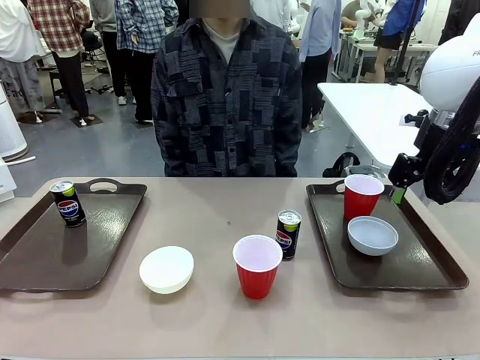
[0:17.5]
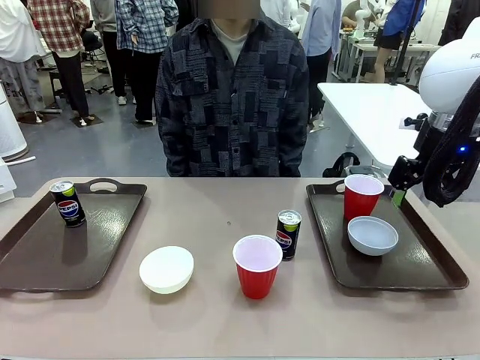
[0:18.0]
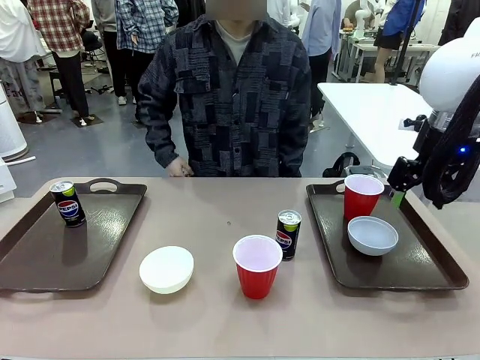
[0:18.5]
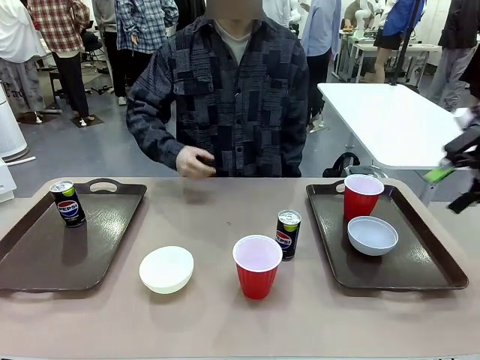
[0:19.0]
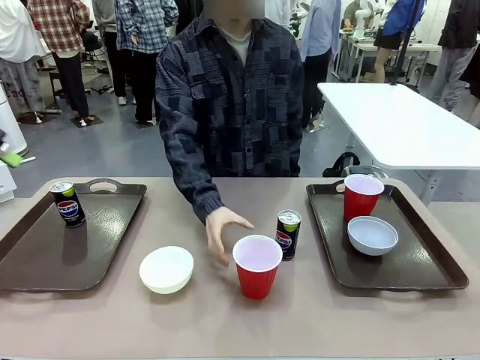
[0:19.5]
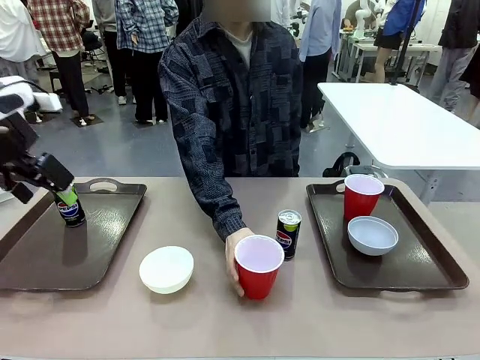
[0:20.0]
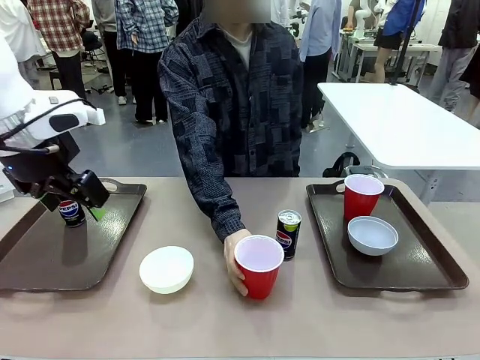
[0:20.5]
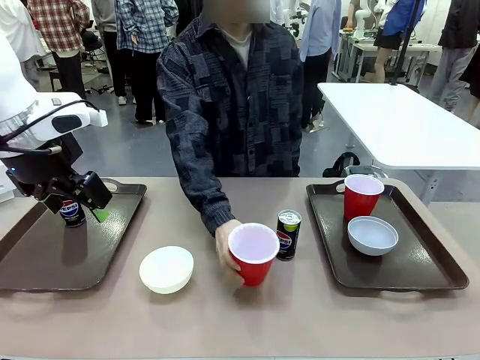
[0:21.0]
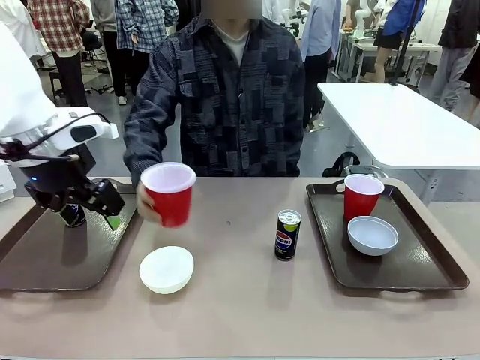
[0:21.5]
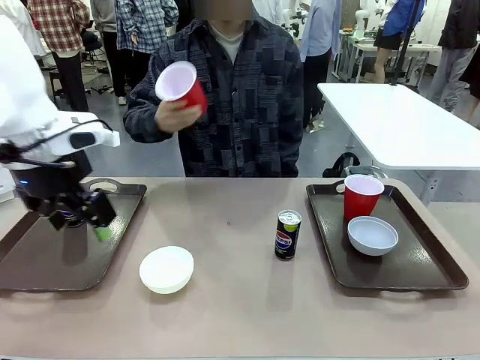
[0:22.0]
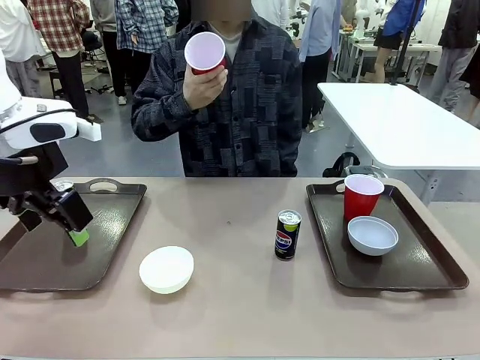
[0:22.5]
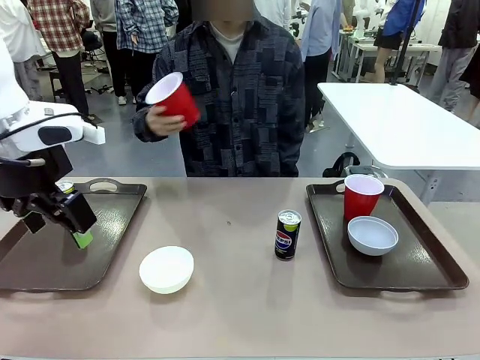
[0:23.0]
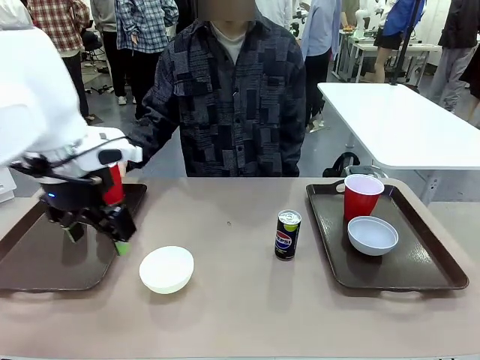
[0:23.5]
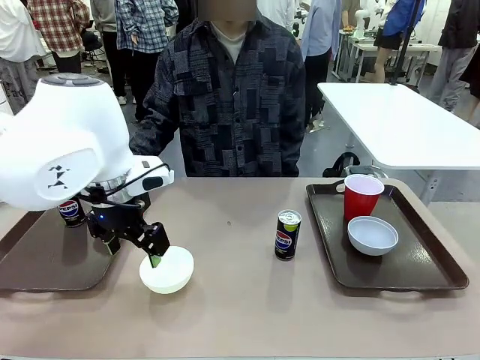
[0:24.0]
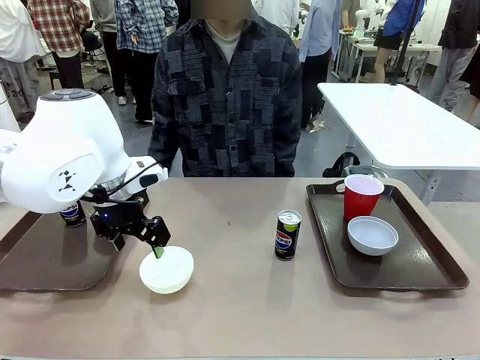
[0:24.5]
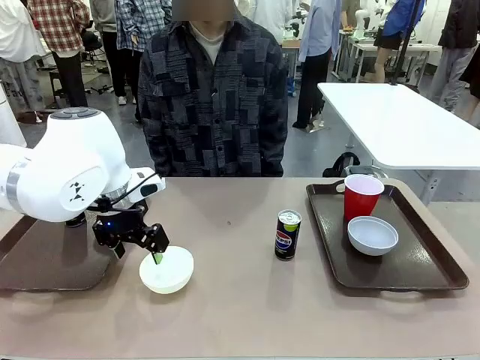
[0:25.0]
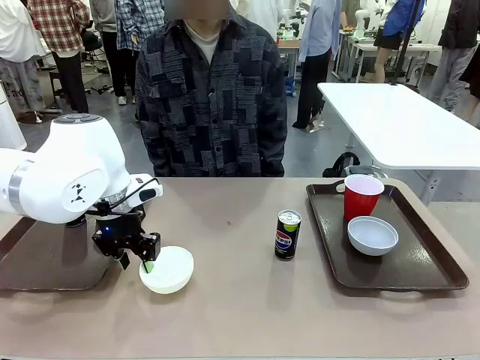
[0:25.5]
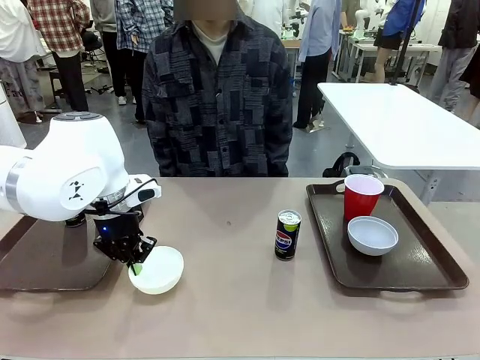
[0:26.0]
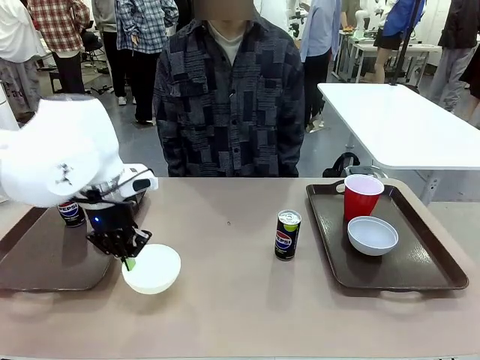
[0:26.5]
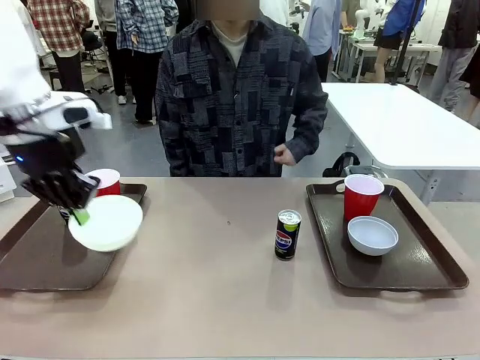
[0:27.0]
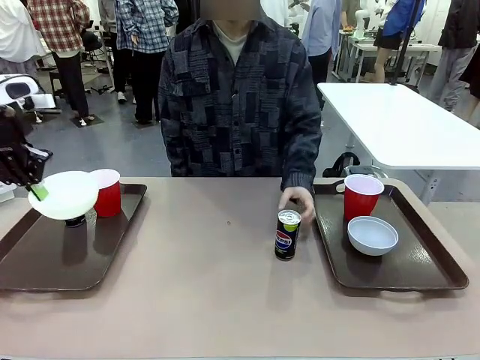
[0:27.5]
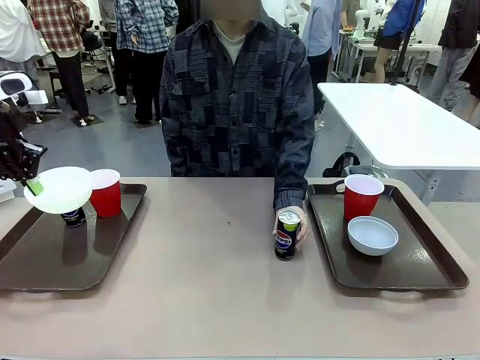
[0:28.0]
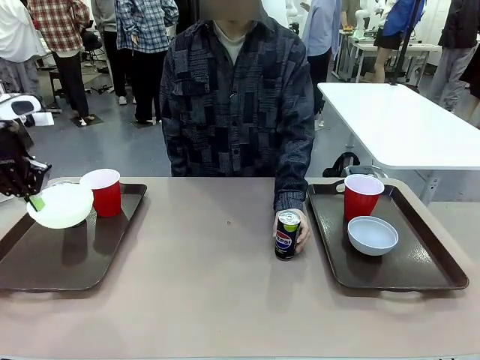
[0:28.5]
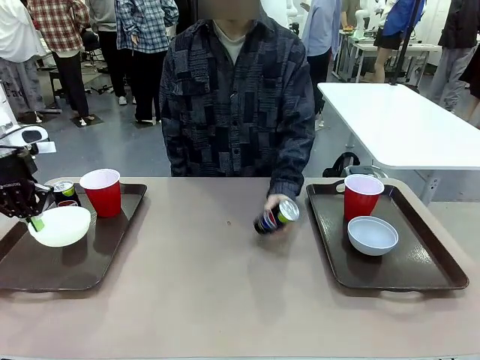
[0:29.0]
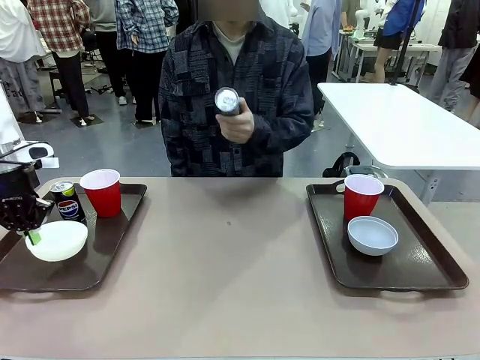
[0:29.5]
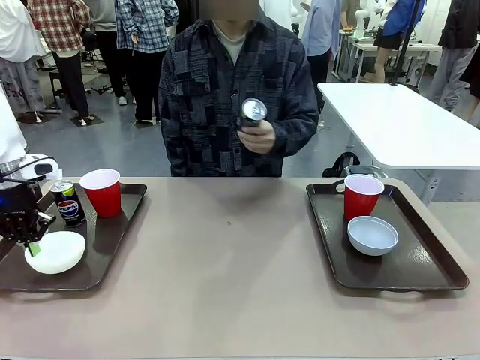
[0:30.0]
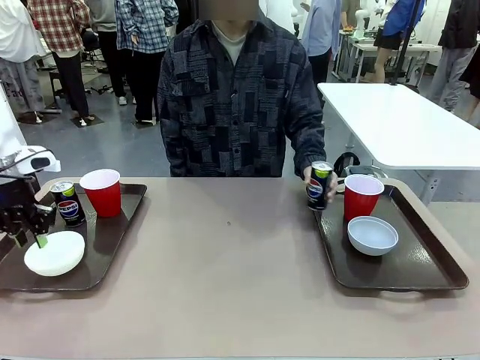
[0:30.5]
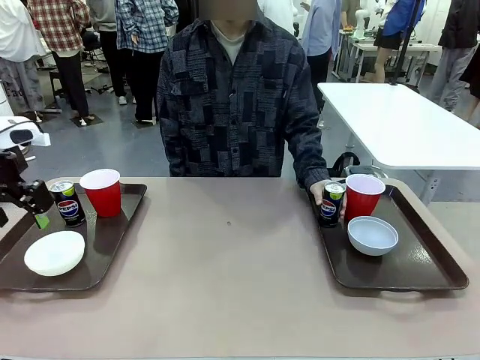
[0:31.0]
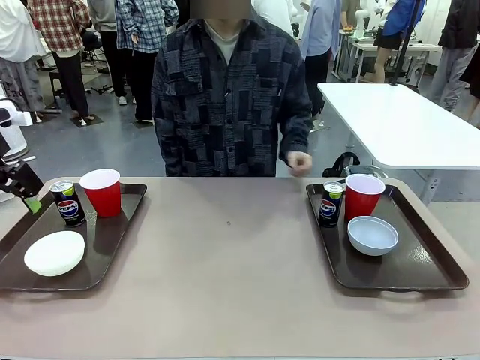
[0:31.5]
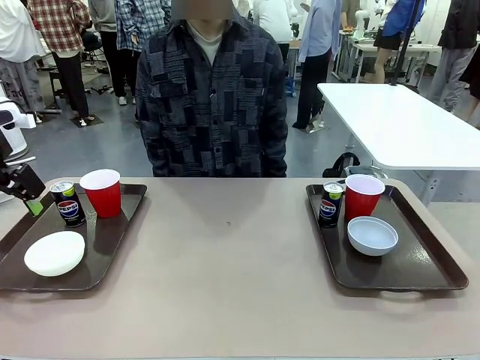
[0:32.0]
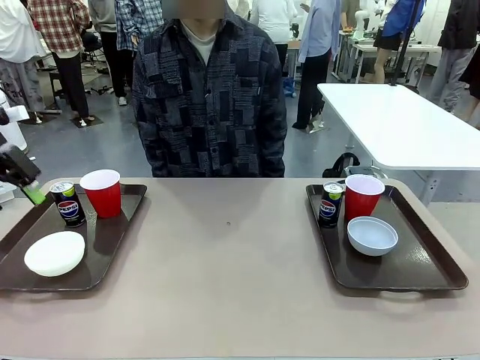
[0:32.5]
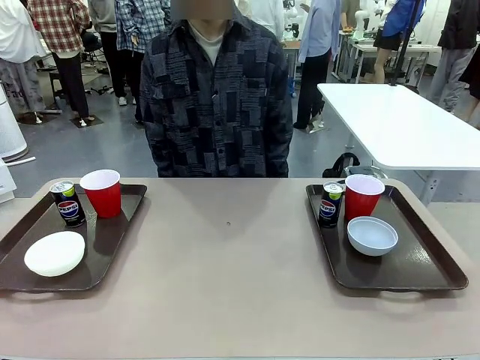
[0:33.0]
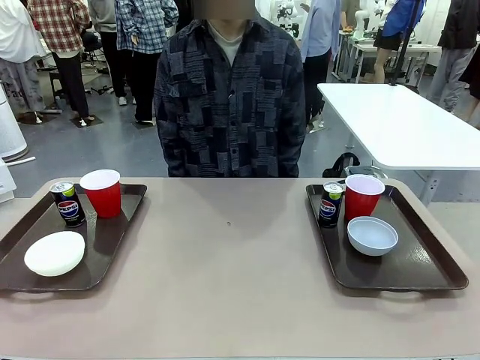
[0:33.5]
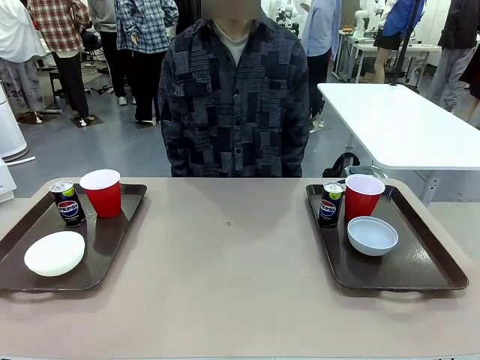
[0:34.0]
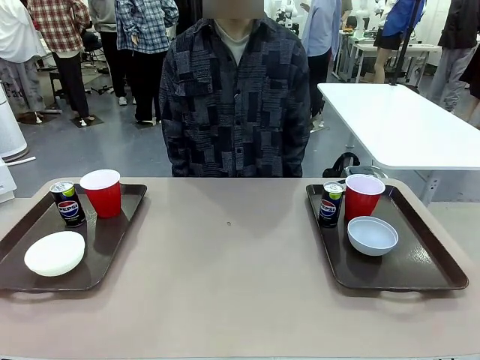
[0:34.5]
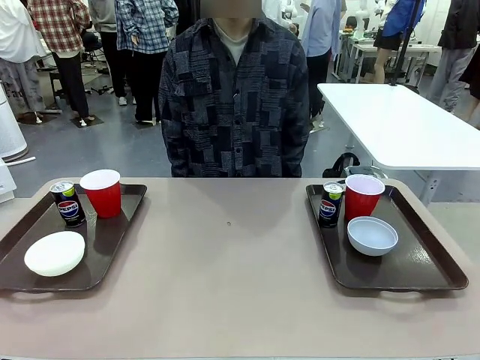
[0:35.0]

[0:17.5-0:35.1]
Task: Prepare tableware on both trays.
Robot: Pick up a Picnic Bowl from the table and place it on a Handle tray.
Person: Pick up a can or cup and place it on the tray without a can or cup.
